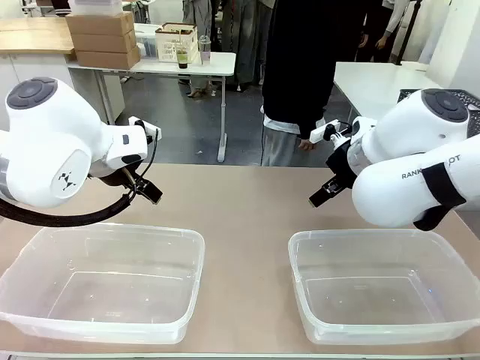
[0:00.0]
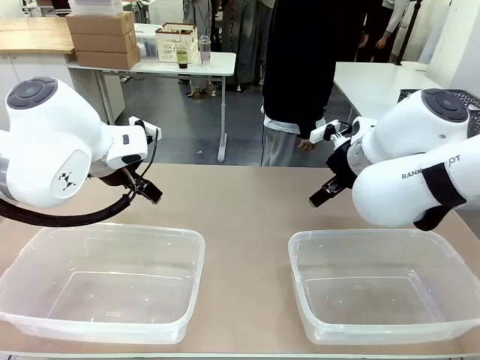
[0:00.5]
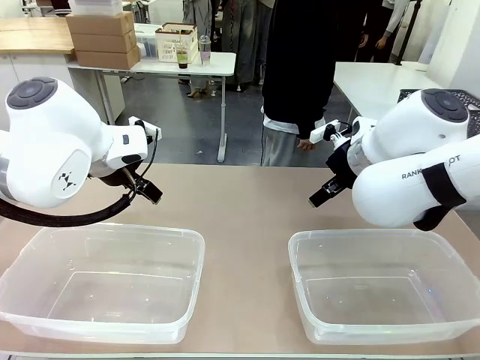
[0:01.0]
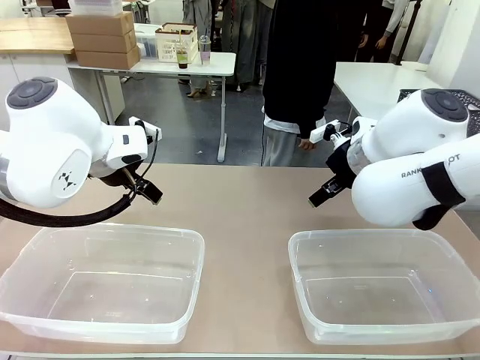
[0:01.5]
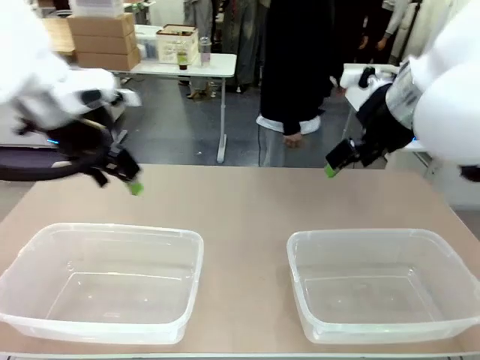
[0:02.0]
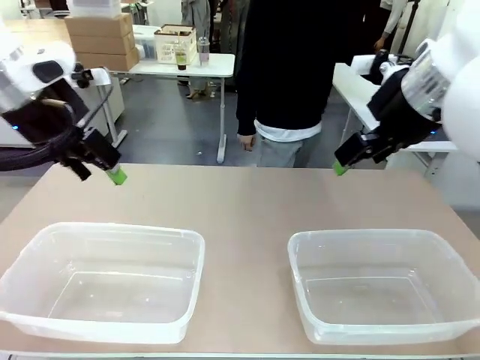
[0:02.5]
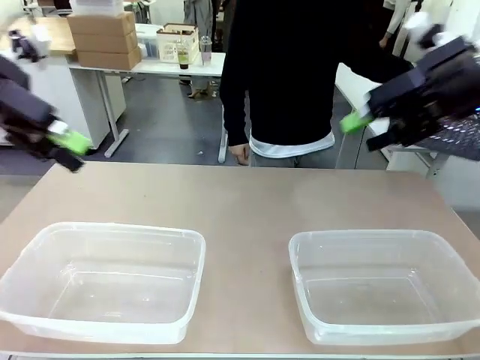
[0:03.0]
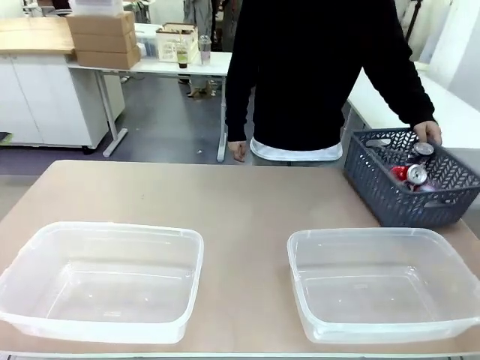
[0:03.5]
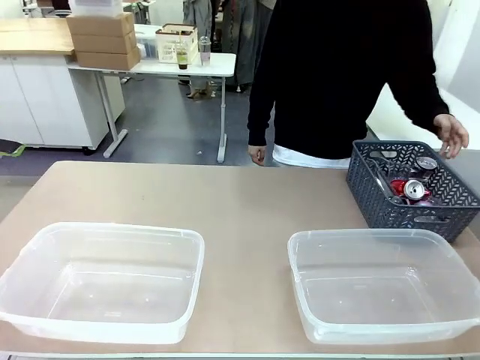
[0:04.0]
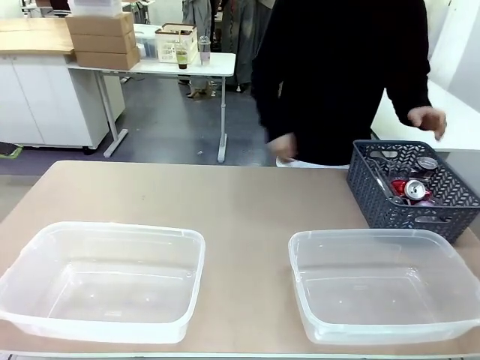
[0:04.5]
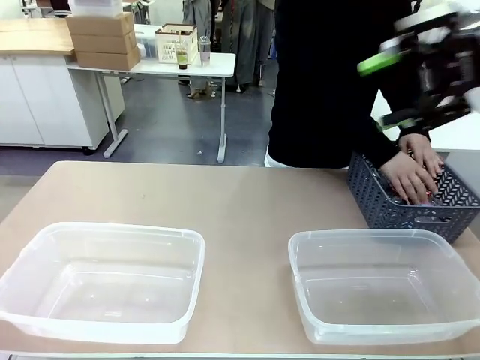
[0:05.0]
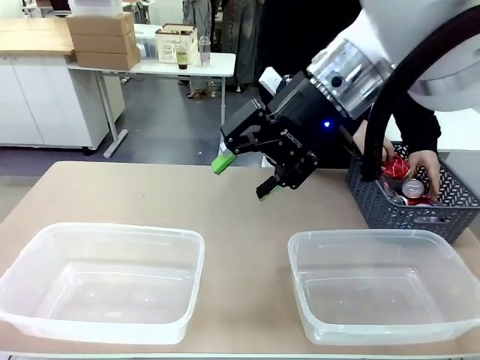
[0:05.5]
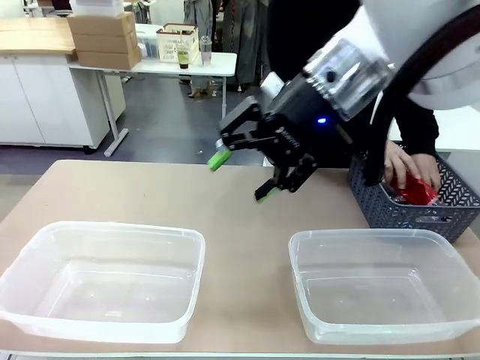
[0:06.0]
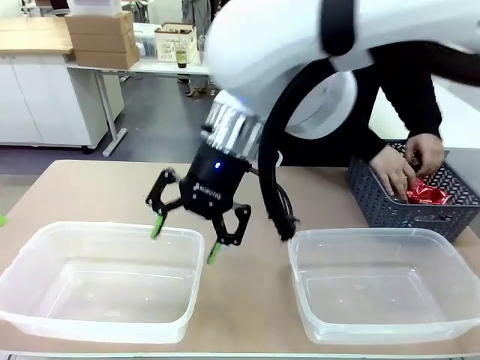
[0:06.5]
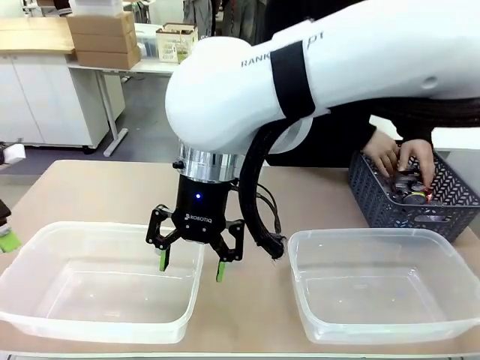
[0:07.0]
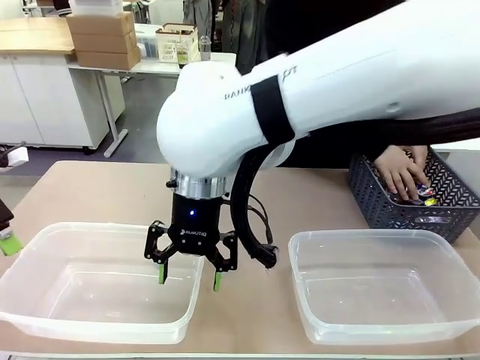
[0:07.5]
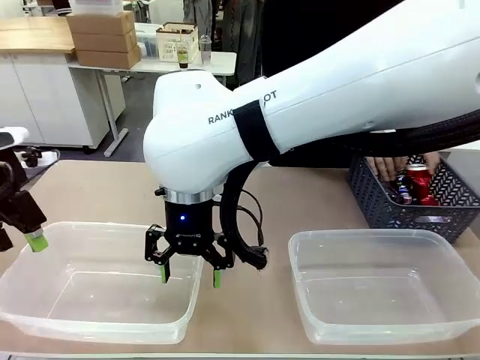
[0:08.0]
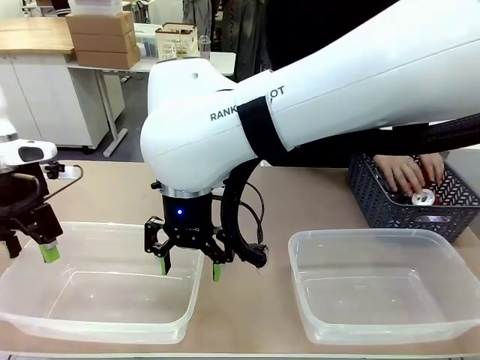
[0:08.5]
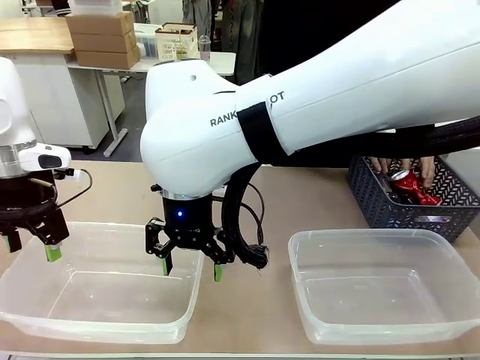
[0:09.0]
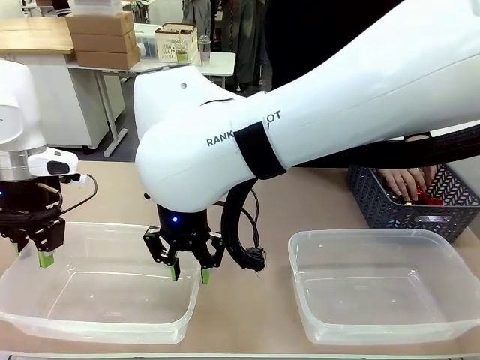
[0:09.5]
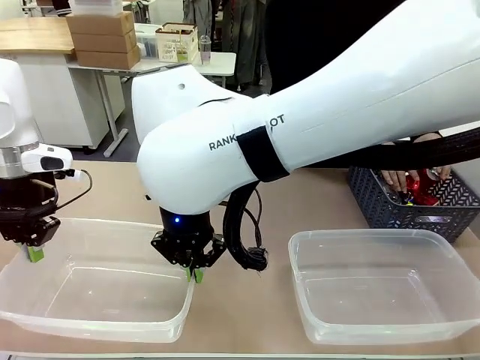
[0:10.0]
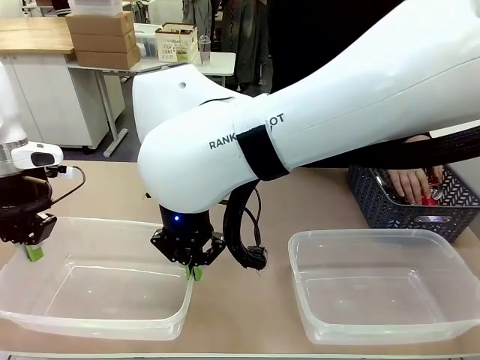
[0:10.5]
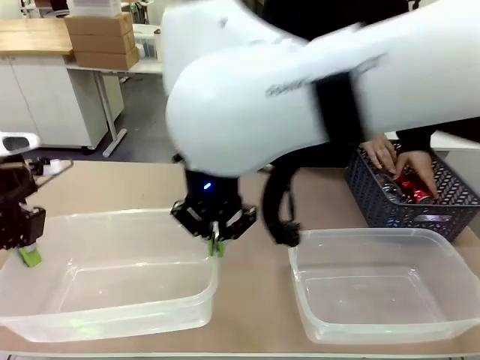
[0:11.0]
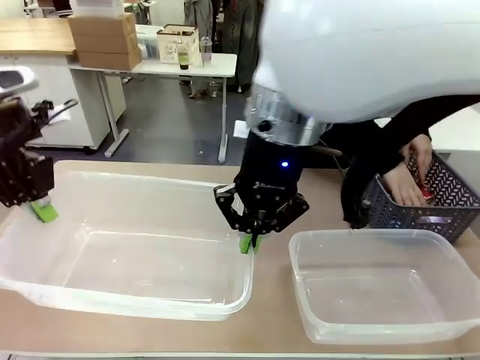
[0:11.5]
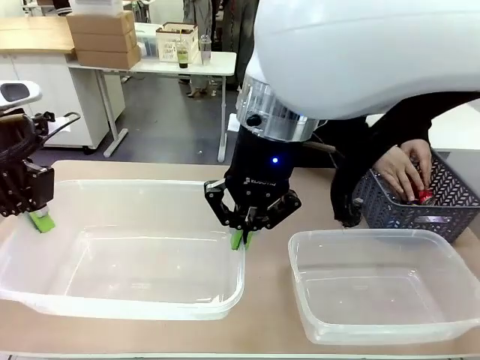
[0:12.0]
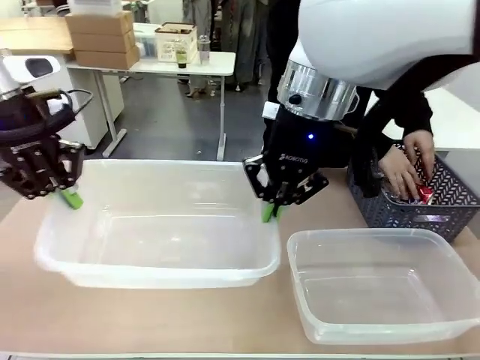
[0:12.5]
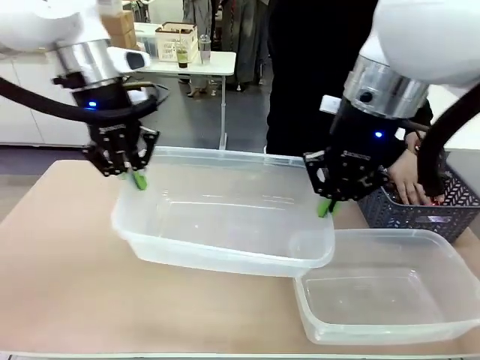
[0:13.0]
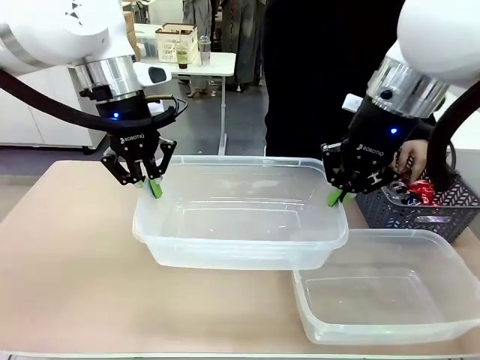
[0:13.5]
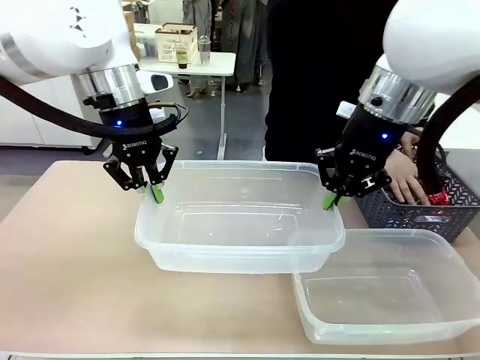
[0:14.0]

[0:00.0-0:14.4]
Robot: Pick up the Organizing box on the left side of the table and lift it.
Person: Pick up the storage basket and place it on the left side of the robot table. Pick up can-shaped waste one by one and place it into the organizing box lifted by the robot.

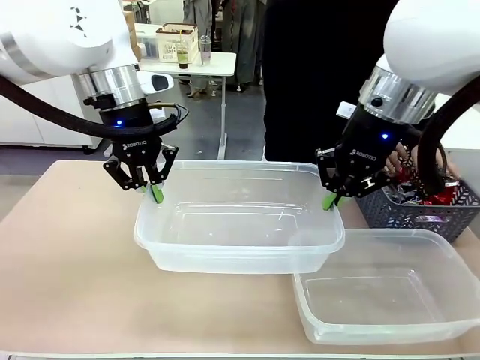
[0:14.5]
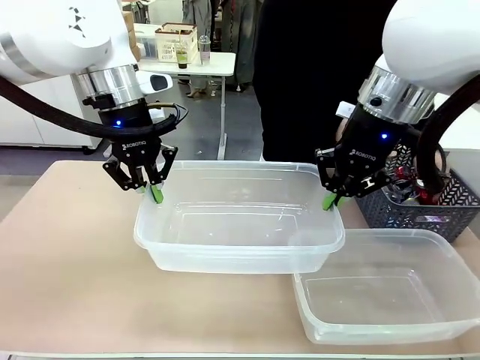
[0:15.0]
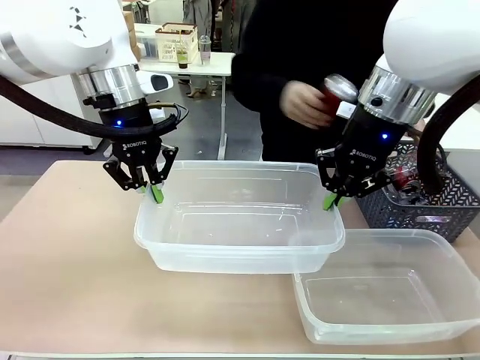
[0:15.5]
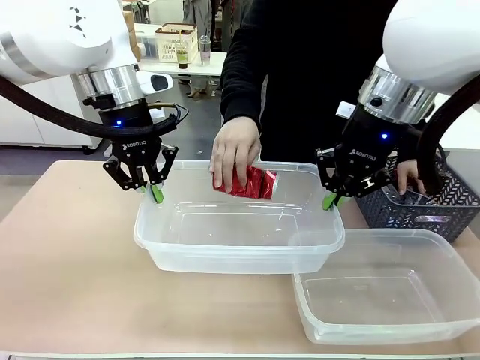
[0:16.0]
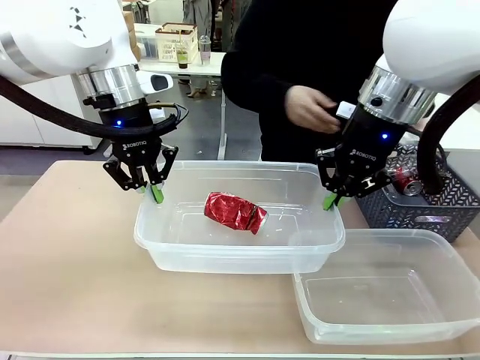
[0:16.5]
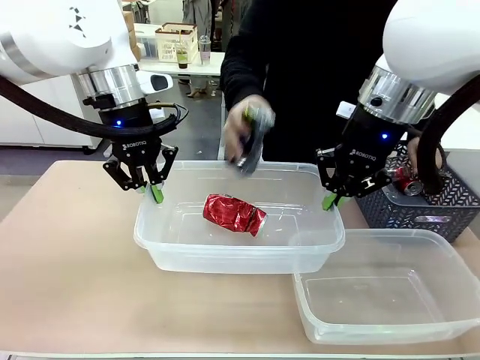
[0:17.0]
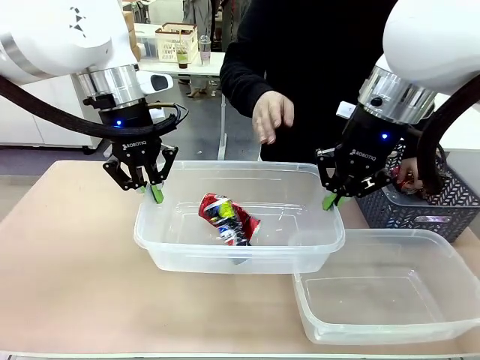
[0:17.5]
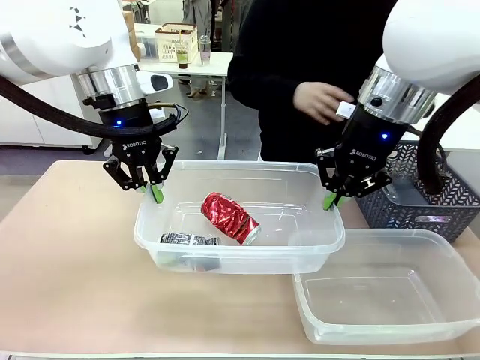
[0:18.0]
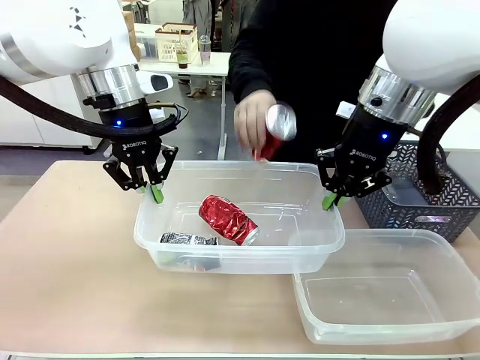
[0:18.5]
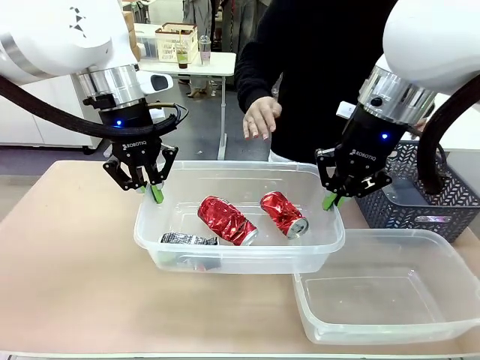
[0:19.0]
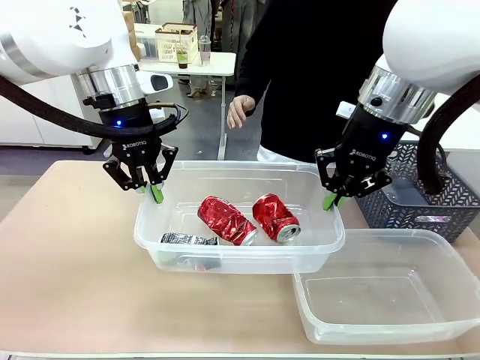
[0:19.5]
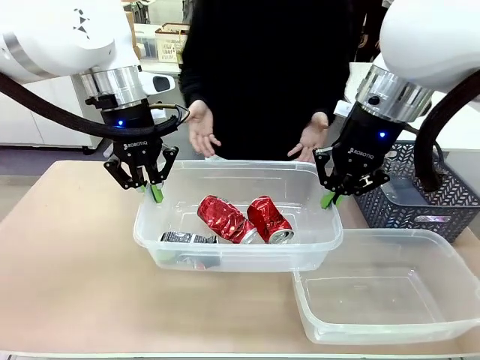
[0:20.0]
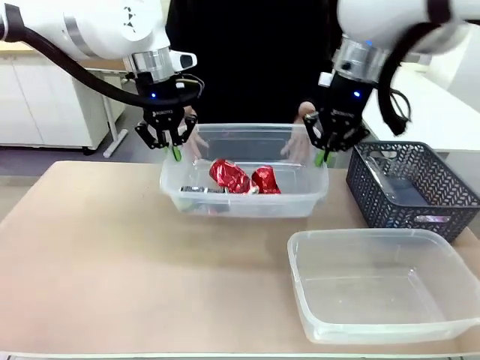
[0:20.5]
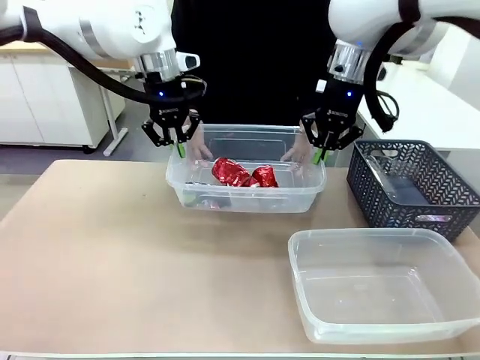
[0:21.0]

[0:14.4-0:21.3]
Robot: Offer the picked Organizing box to the human.

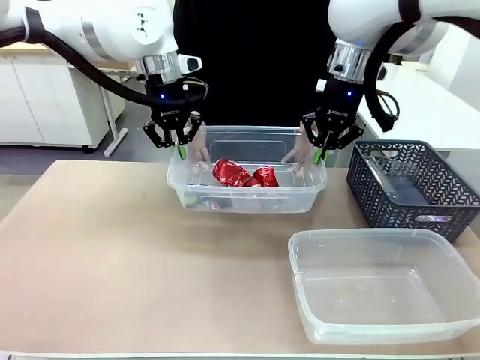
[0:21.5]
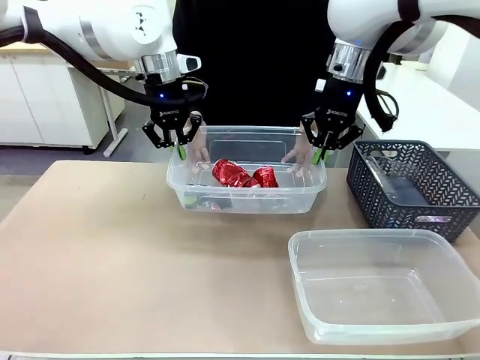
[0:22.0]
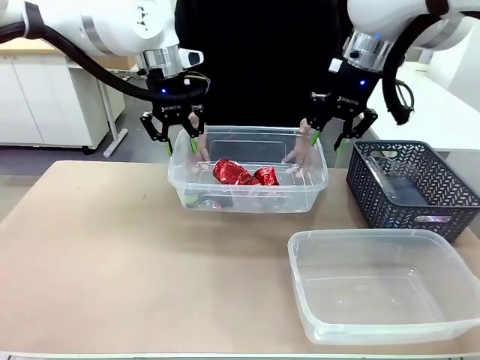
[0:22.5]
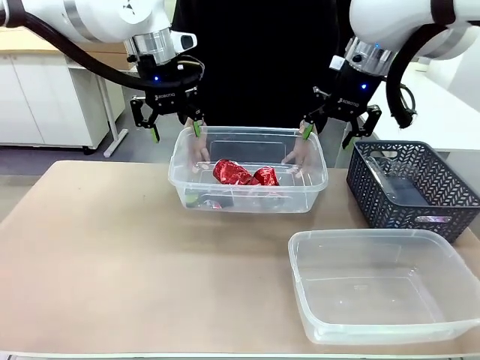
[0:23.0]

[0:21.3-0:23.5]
Robot: Release the Organizing box you were holding.

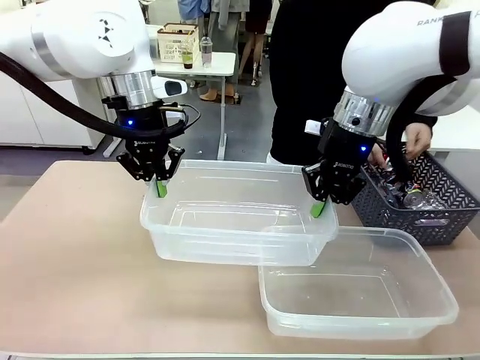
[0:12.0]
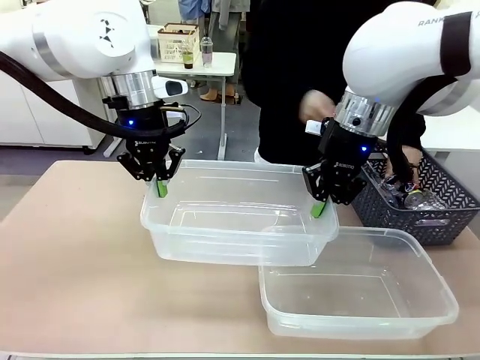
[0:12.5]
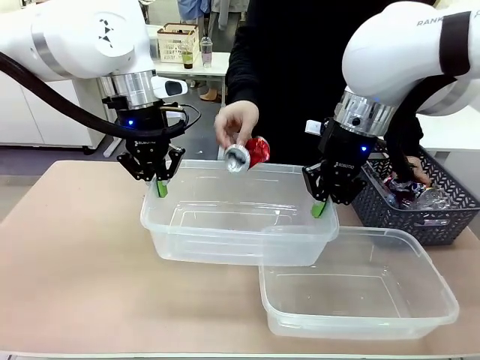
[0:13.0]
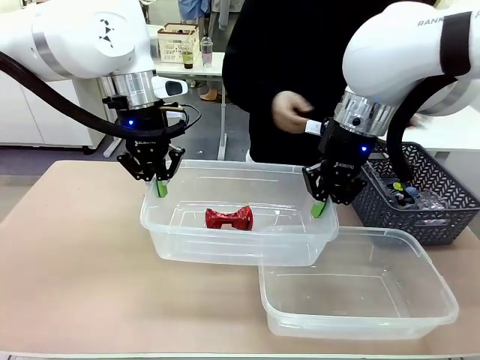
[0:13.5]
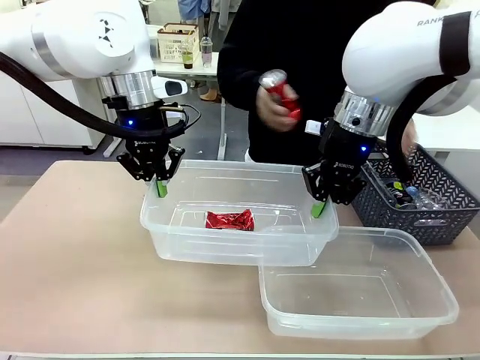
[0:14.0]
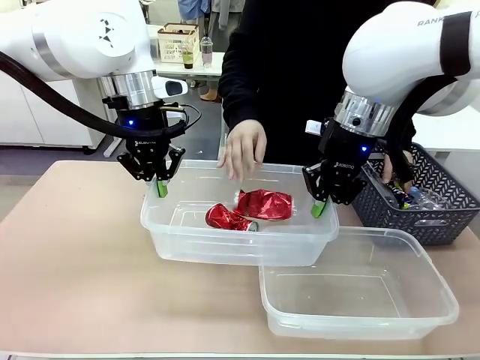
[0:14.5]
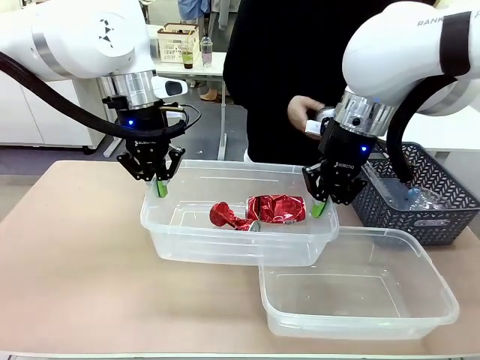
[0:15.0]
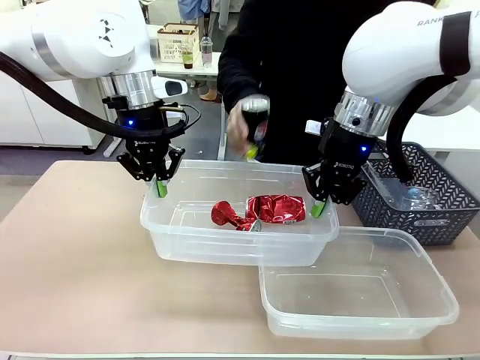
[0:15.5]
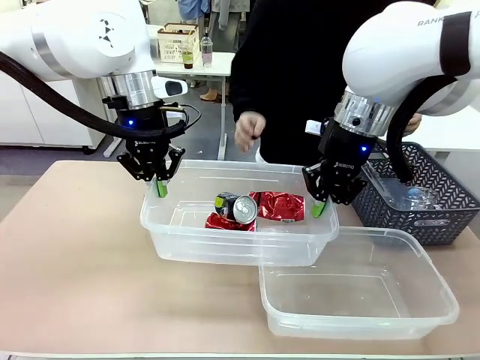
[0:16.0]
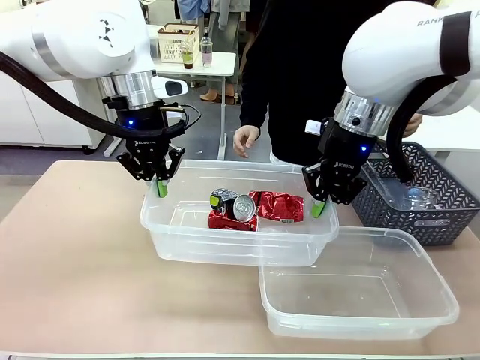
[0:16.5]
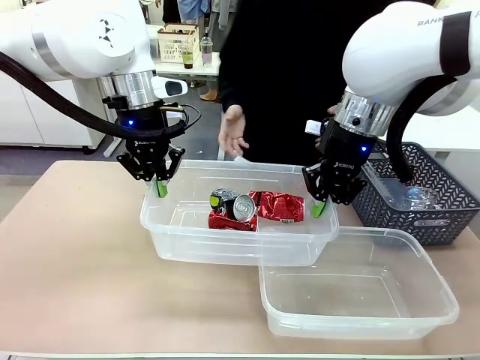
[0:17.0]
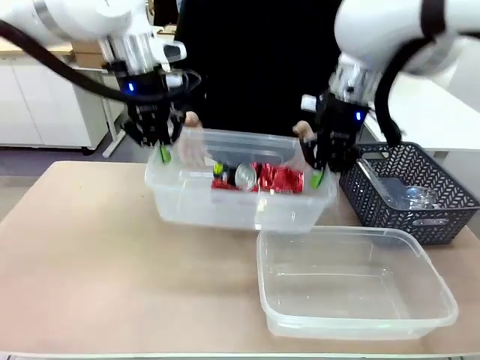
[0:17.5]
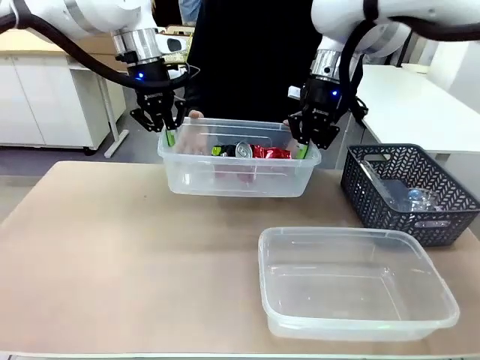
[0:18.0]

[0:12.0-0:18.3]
Robot: Offer the picked Organizing box to the human.
